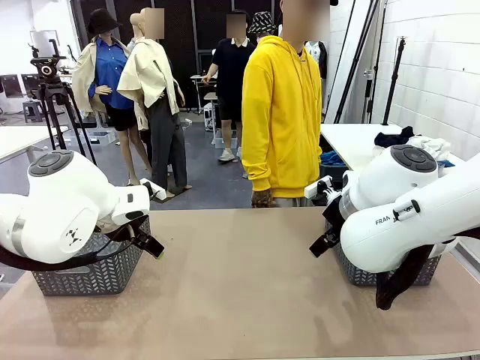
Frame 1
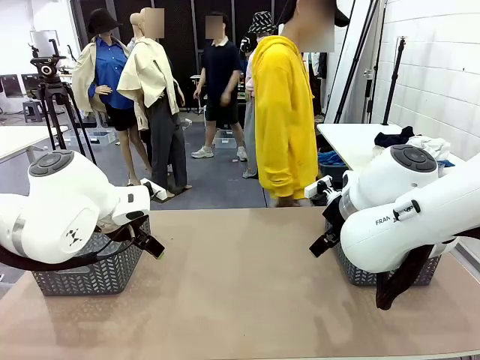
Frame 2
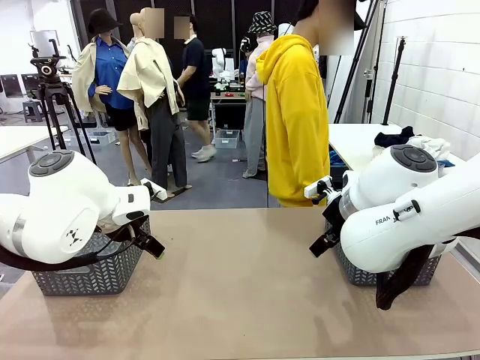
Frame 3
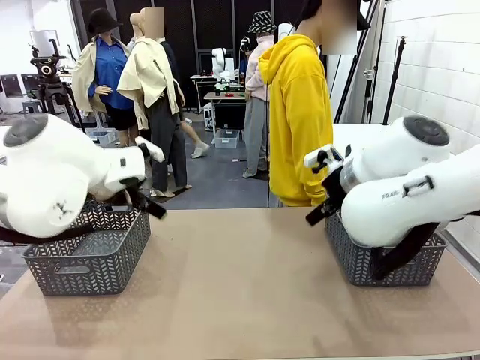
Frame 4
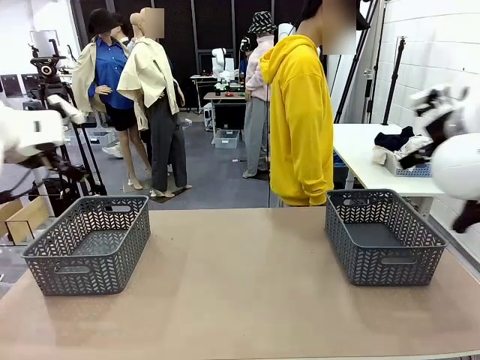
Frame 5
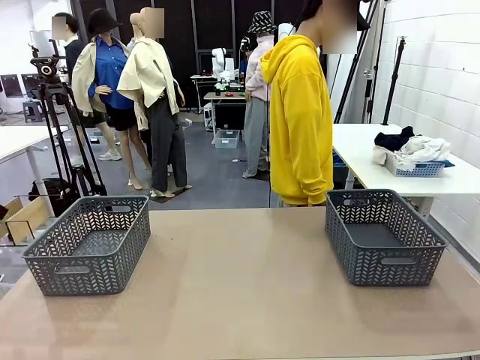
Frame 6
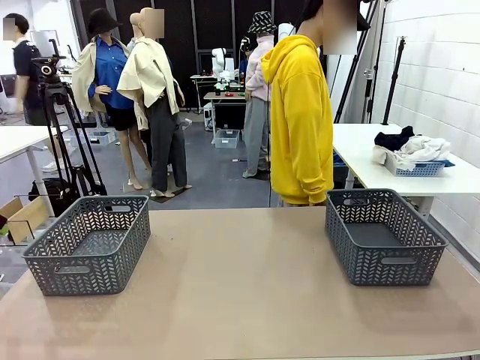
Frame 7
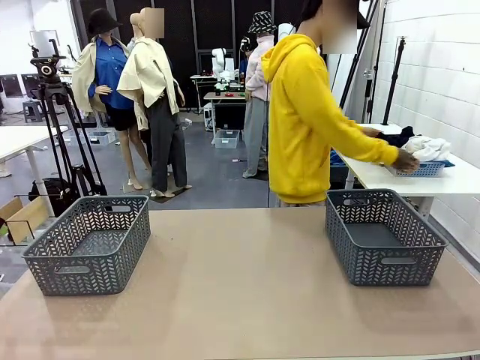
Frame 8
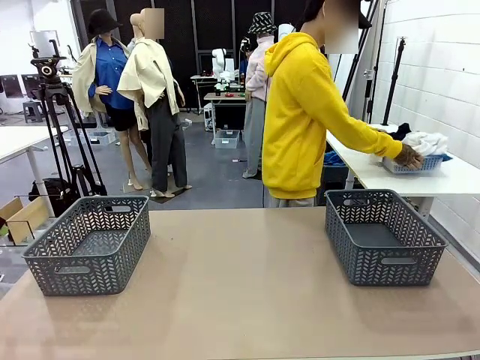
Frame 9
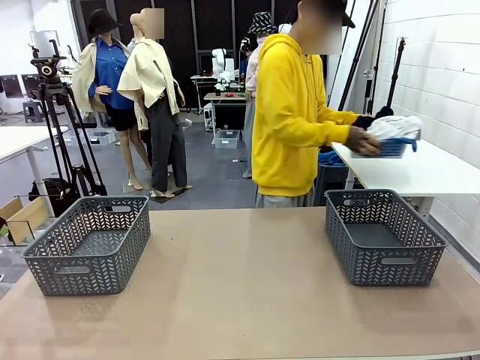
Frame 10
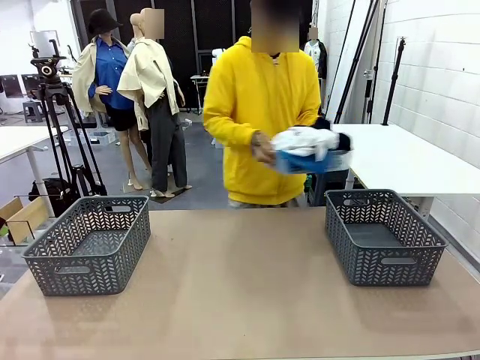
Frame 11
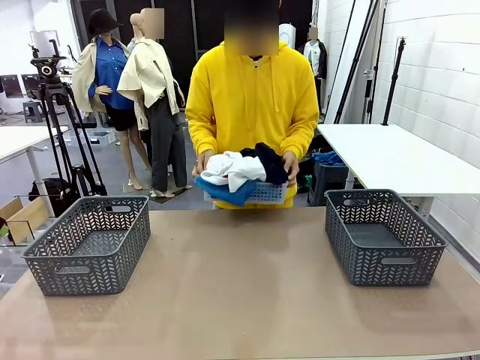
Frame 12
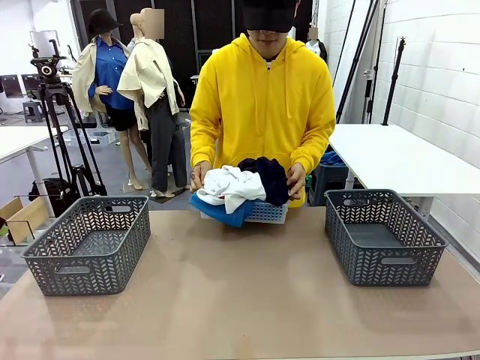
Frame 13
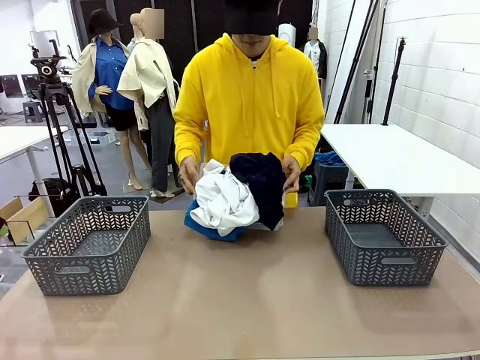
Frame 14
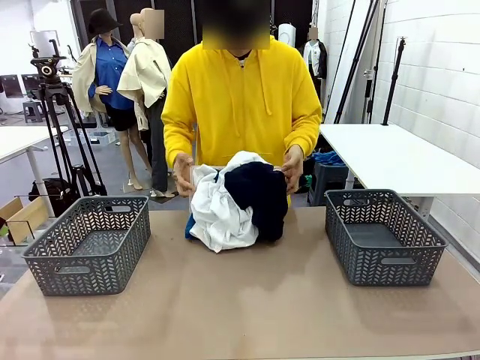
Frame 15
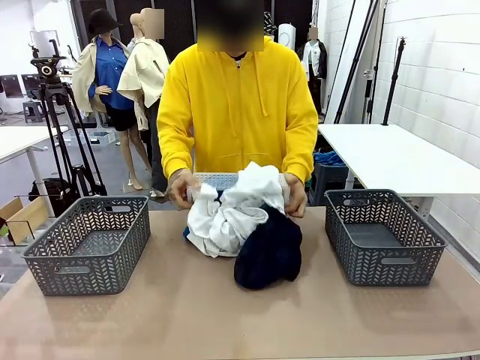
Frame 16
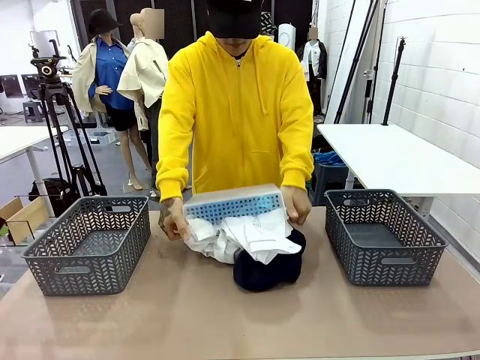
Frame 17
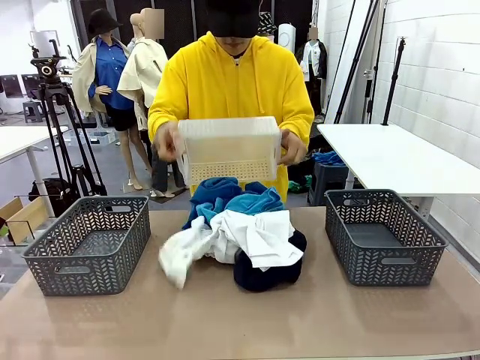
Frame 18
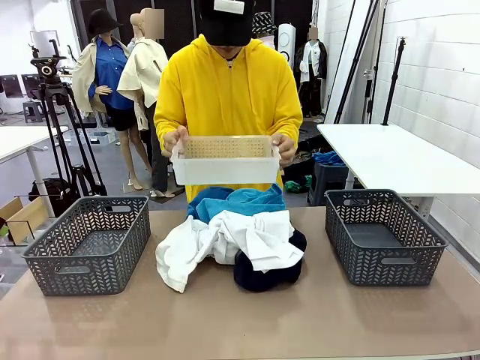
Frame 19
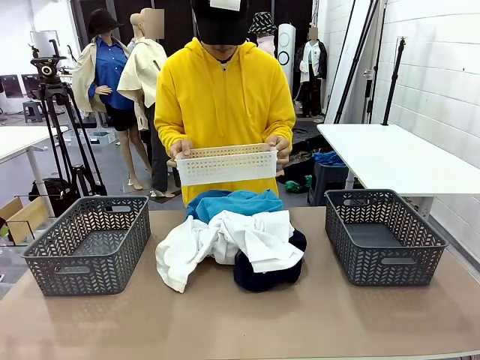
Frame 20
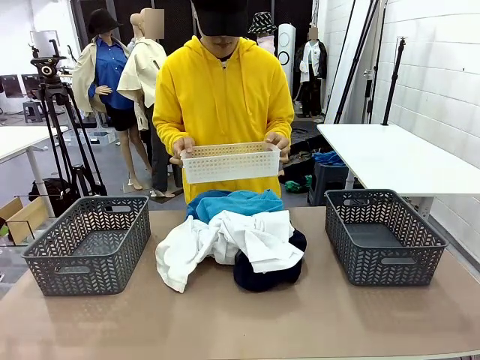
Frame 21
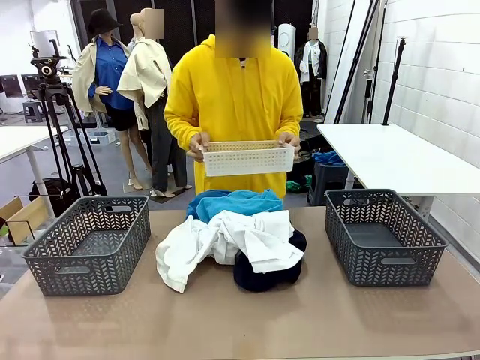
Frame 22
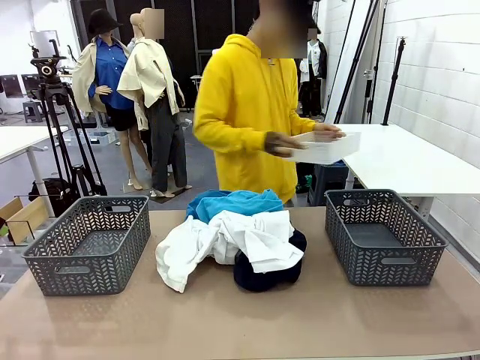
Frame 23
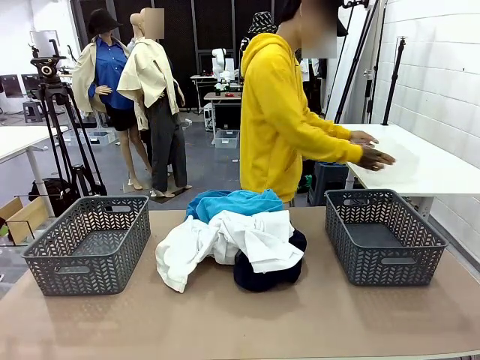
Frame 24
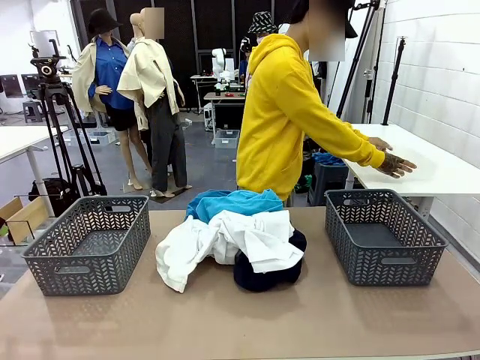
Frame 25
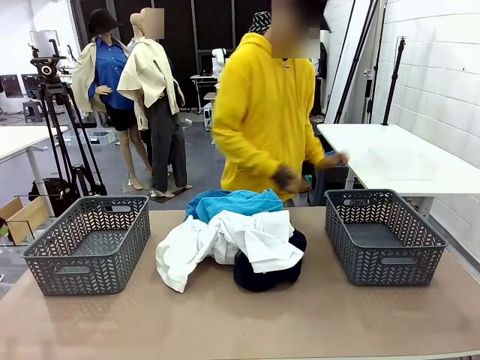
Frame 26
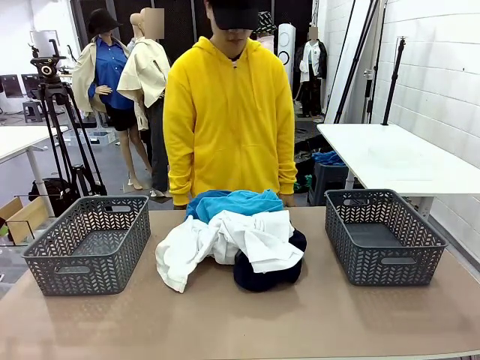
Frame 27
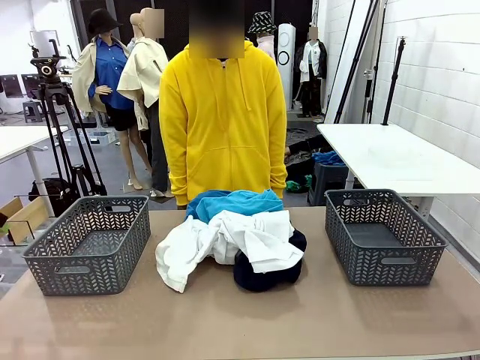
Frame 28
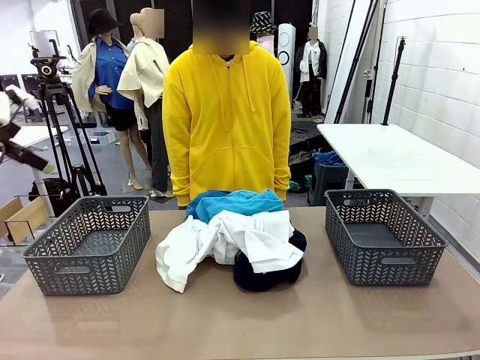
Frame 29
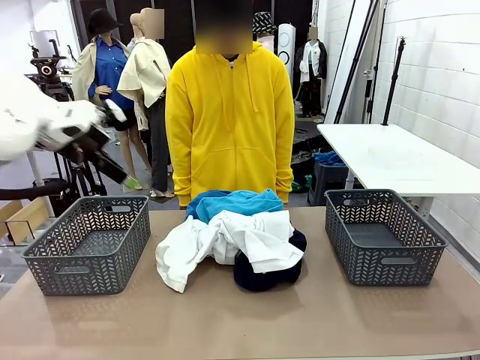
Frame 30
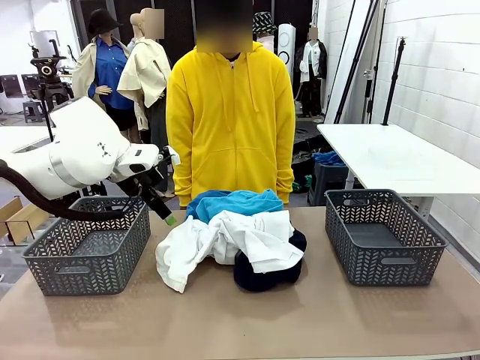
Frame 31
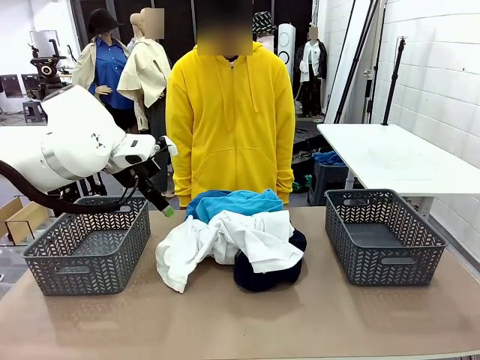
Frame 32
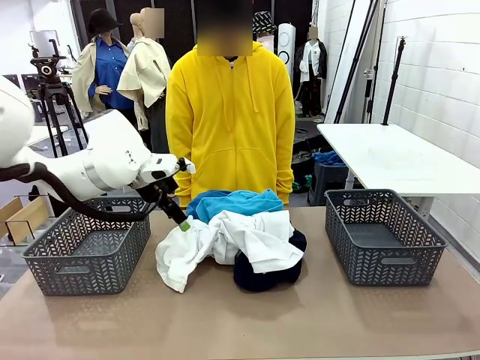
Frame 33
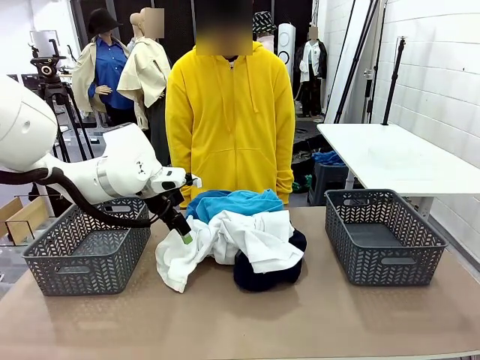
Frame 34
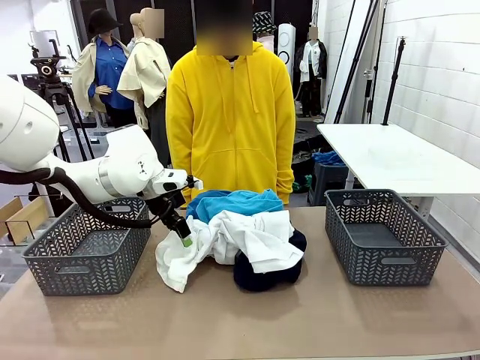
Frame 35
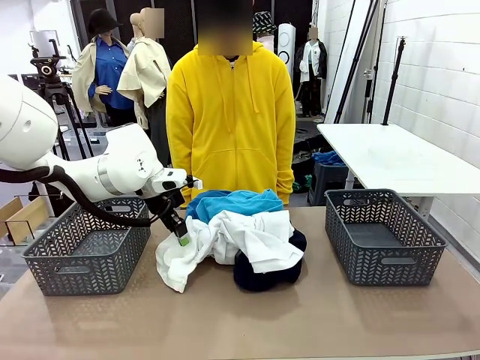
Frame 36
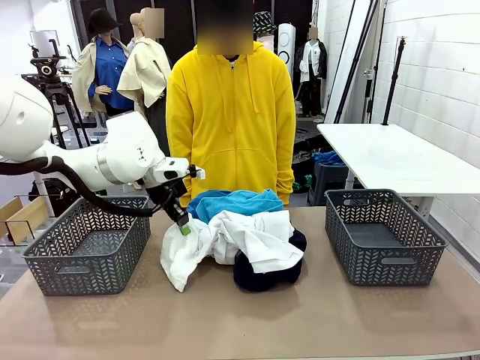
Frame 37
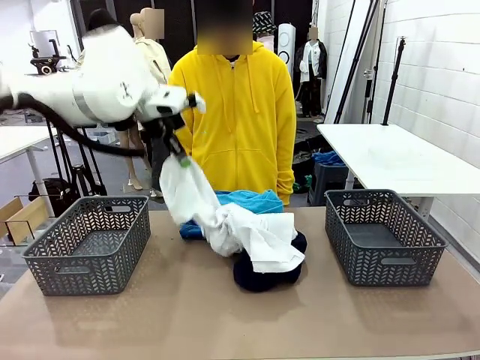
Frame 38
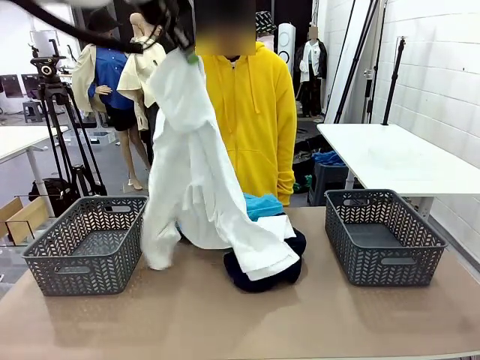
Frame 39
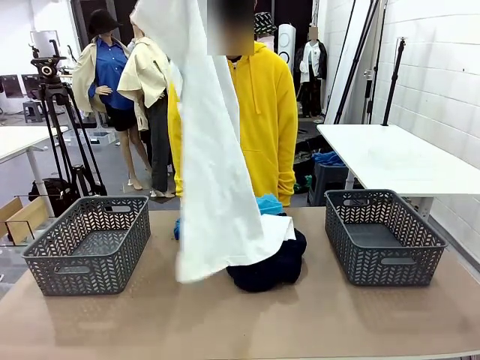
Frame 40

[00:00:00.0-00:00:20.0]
Task: Sort the tops and bottoms.
Robot: Lift clothes from the center of the table with your left hand.
Person: Pour the clothes from the basket onto the center of the robot table.

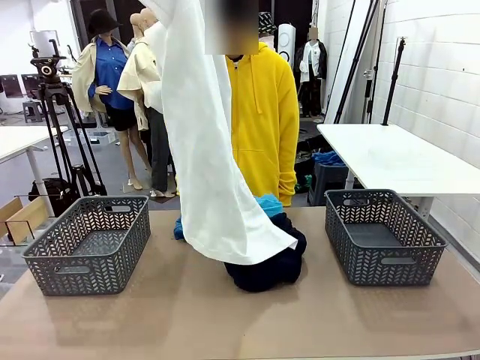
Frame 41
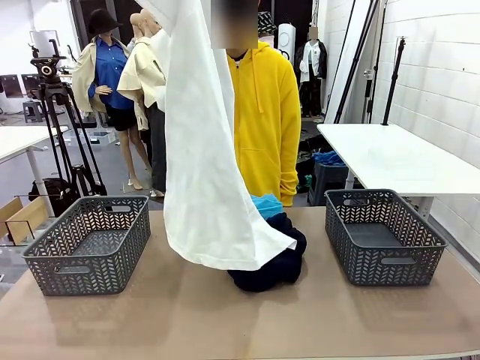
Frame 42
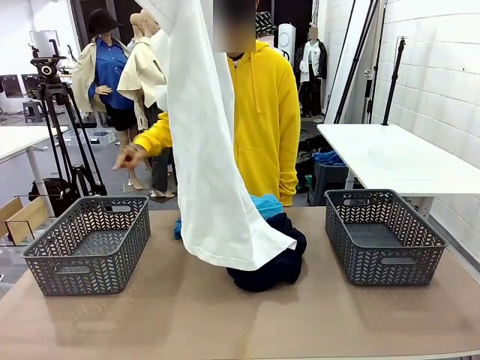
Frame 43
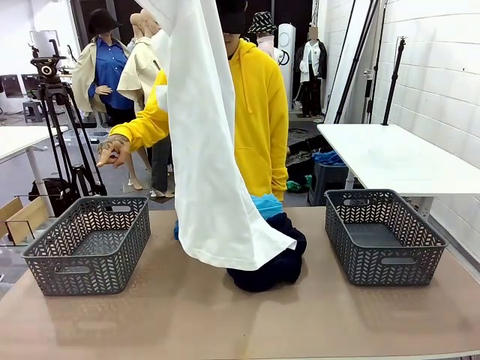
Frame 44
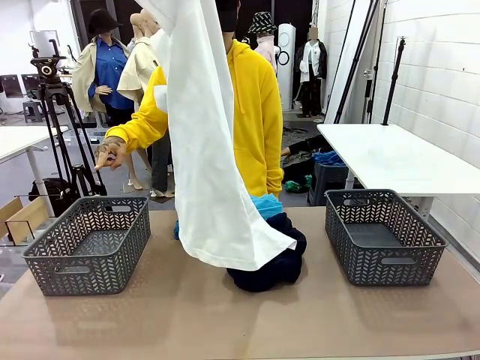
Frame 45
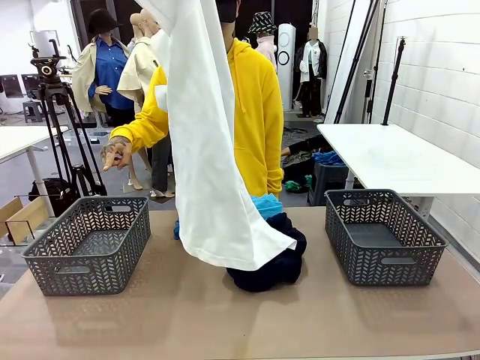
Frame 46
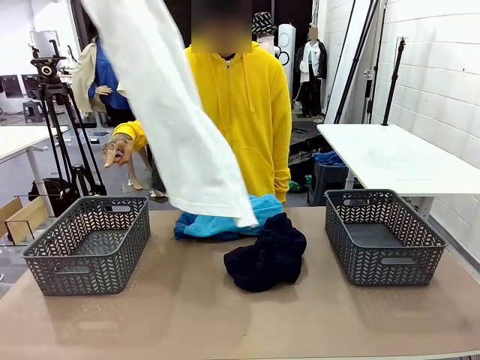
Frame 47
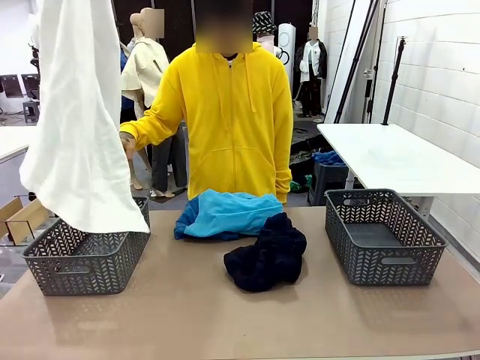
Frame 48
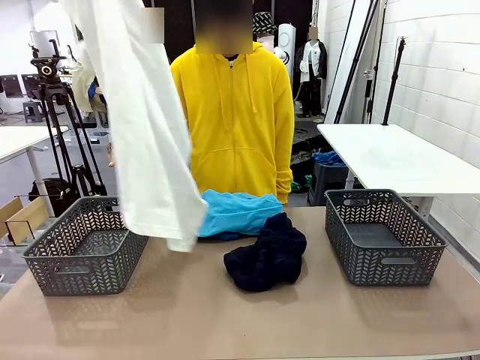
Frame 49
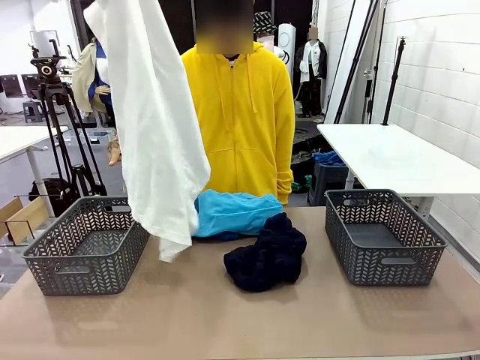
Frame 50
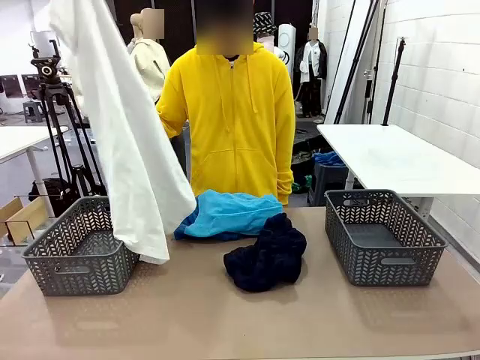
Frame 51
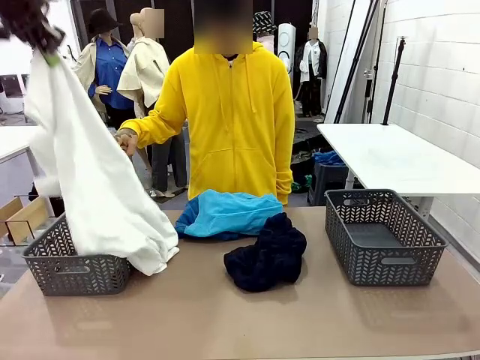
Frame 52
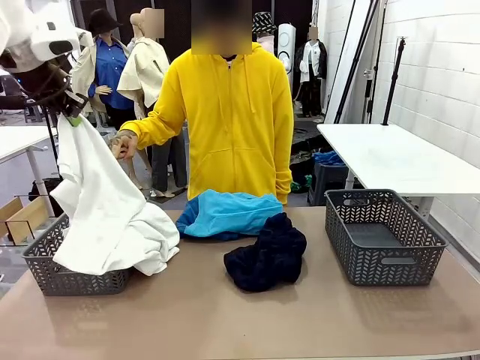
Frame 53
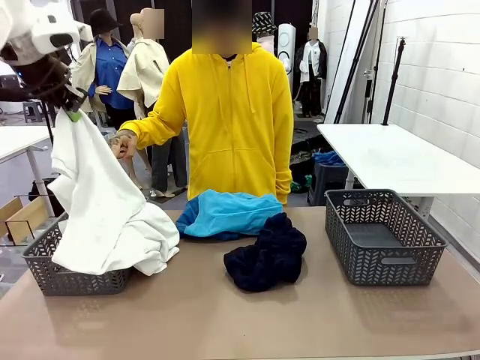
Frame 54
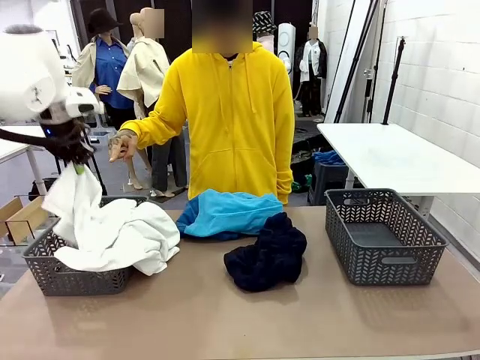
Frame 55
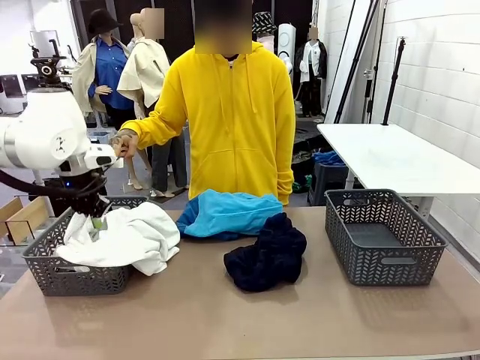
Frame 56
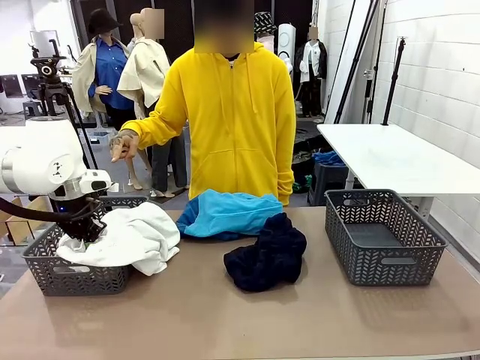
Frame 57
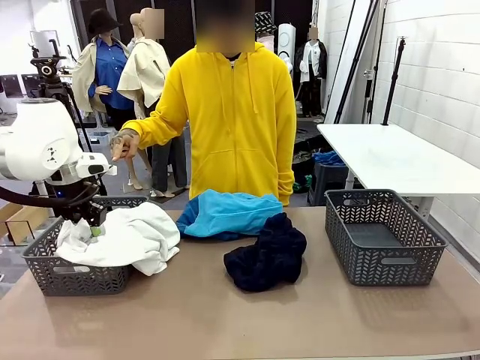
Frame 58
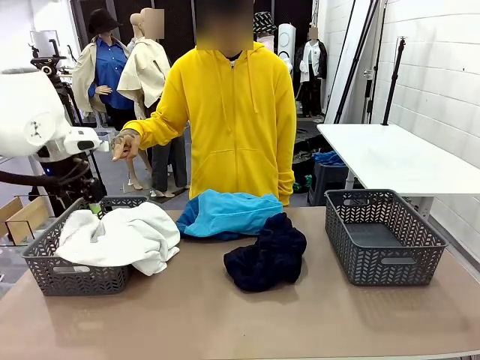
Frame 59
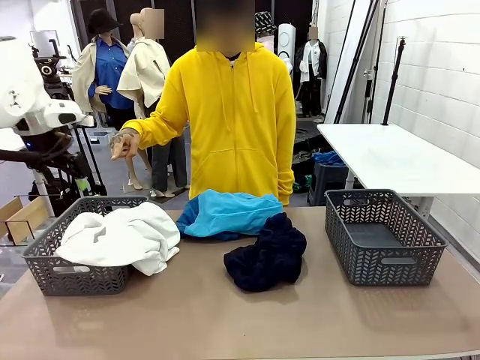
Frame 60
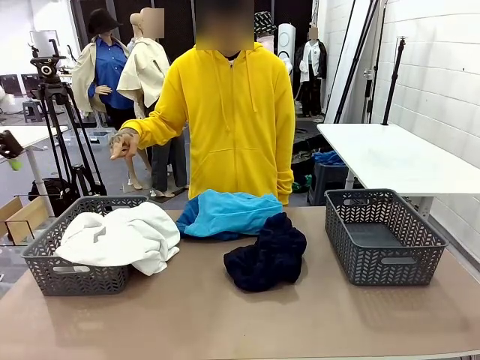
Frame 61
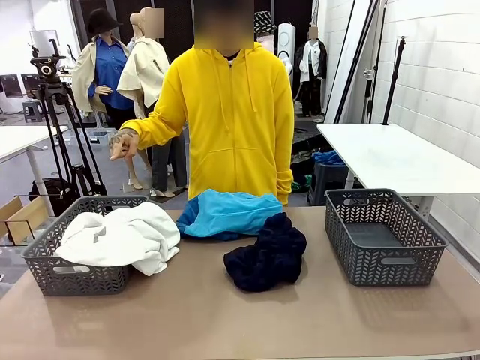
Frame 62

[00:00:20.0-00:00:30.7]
Robot: Sort the clothes according to human instructions.
